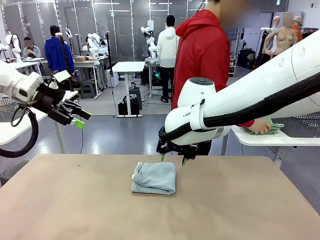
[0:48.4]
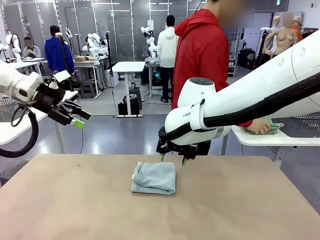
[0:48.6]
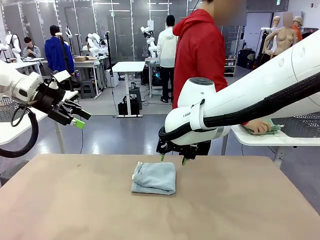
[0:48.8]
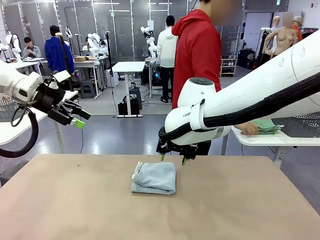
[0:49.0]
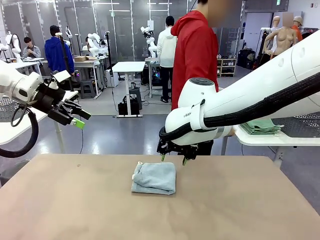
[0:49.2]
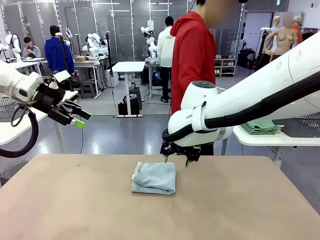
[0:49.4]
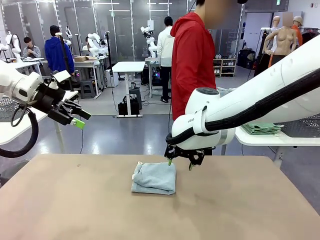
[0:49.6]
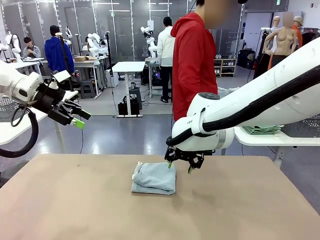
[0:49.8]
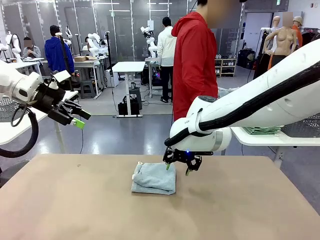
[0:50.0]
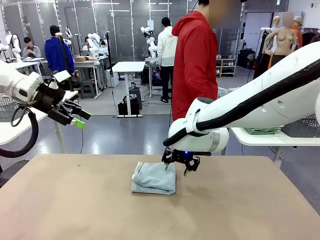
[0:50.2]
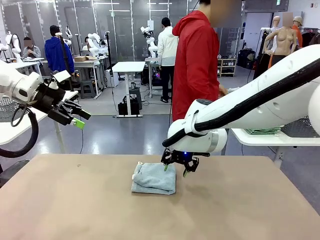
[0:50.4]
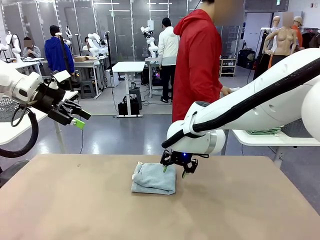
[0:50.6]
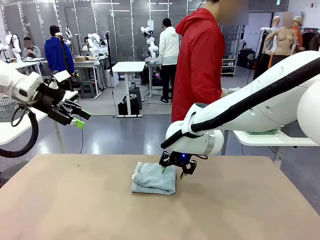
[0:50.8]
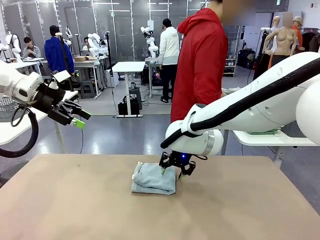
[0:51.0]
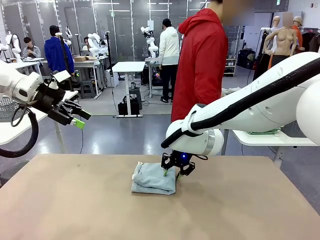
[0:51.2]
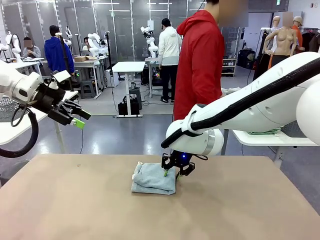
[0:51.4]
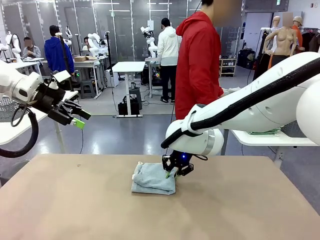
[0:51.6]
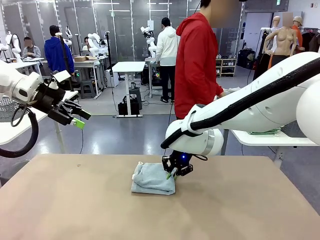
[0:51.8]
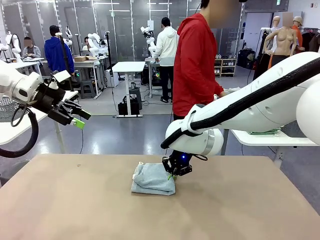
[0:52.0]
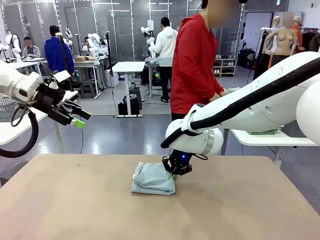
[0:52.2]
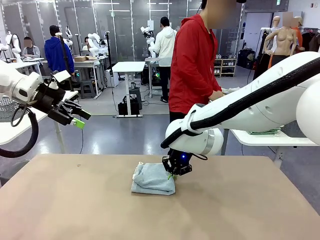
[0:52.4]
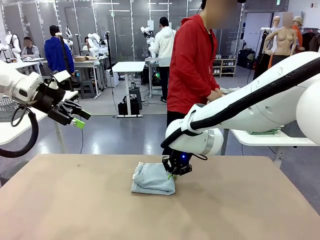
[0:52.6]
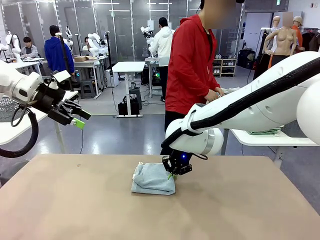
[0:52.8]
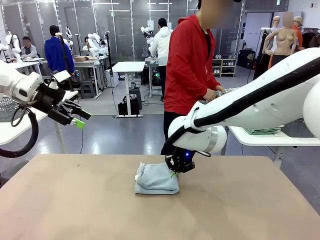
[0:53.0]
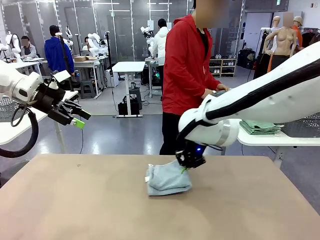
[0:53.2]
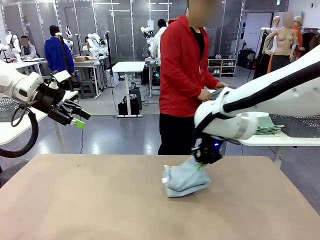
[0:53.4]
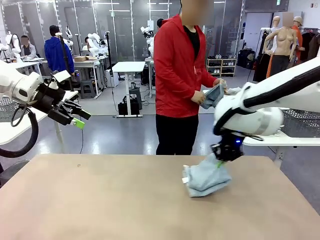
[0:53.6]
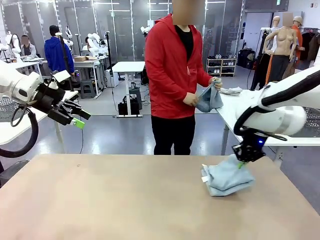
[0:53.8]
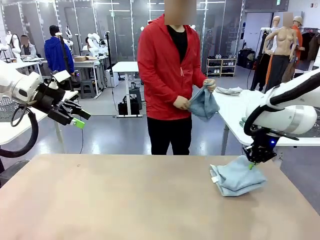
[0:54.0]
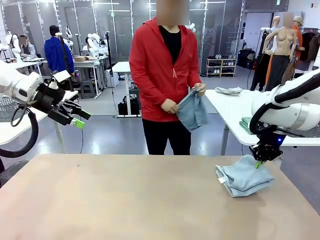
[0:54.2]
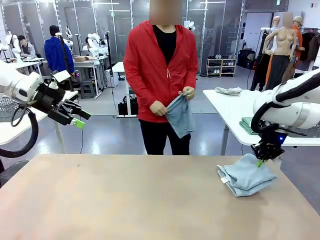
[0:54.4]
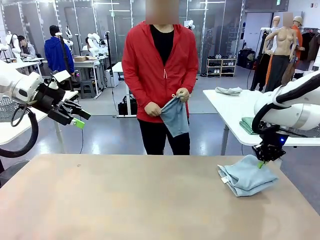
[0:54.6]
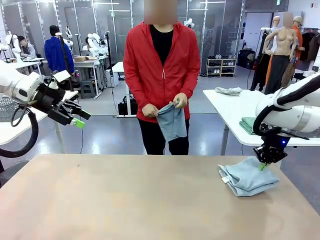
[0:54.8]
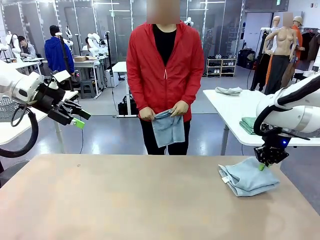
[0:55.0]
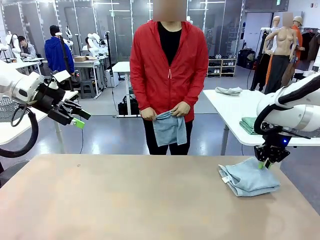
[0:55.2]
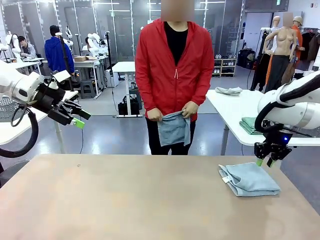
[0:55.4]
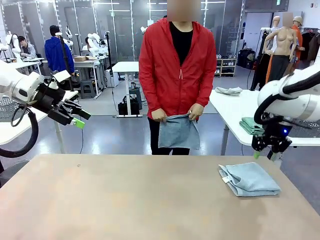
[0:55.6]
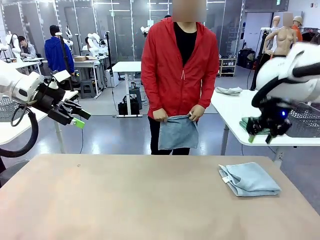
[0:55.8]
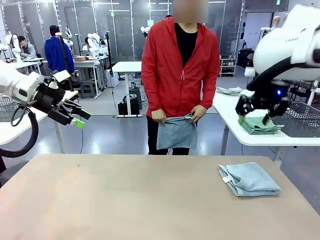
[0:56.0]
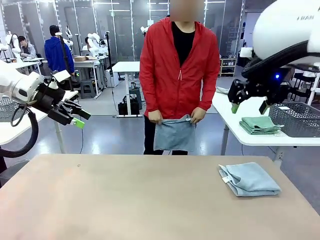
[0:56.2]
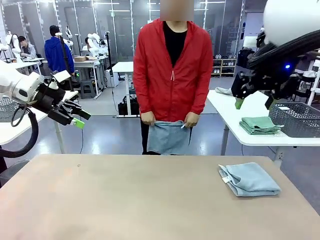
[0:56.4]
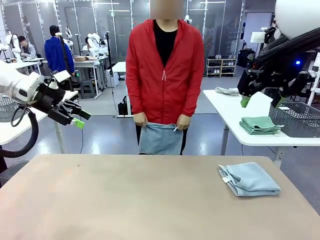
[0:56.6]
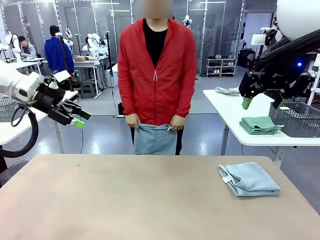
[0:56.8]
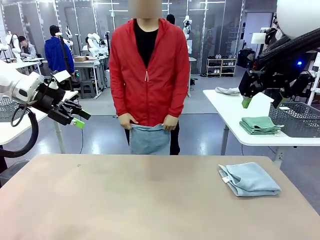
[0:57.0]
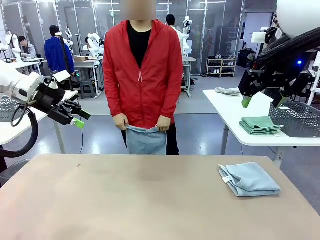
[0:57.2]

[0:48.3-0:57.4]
Task: Fold the towels and place them in the basket.
Robot: Place the folded Towel with hook on the right side of the table.
Person: Pick up one towel from the left side of the human table and spread it out at the center of the robot table.

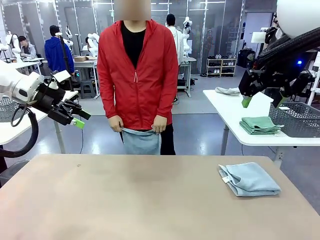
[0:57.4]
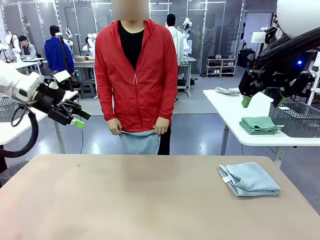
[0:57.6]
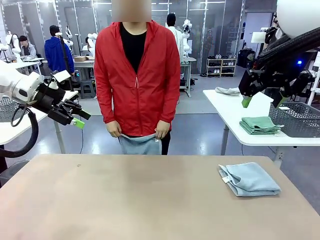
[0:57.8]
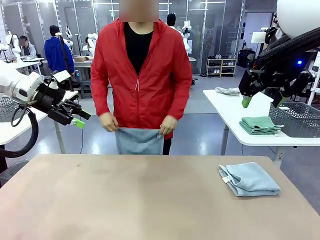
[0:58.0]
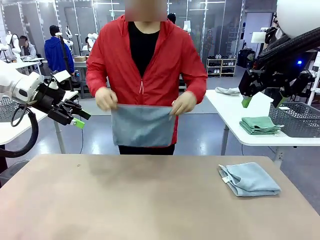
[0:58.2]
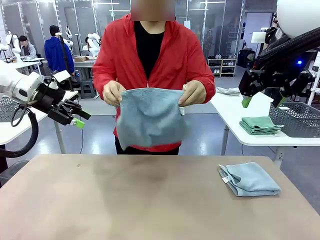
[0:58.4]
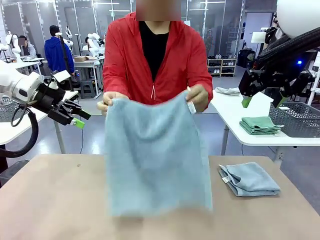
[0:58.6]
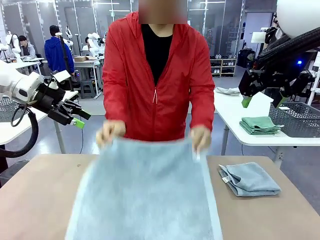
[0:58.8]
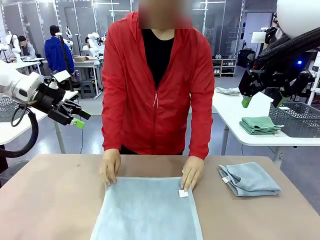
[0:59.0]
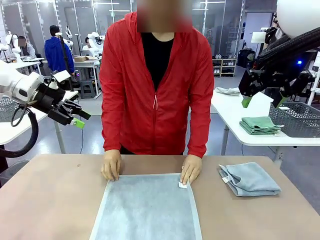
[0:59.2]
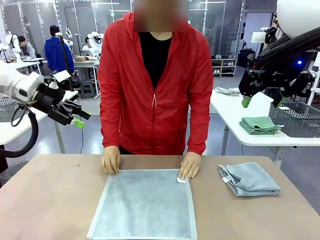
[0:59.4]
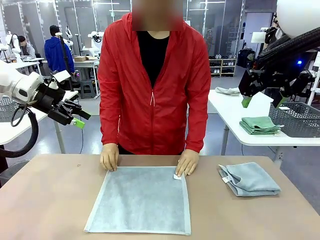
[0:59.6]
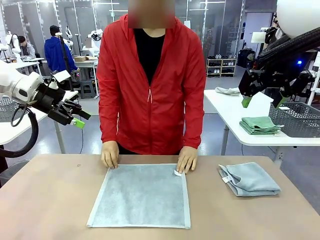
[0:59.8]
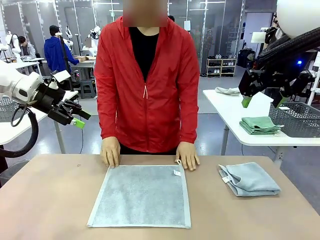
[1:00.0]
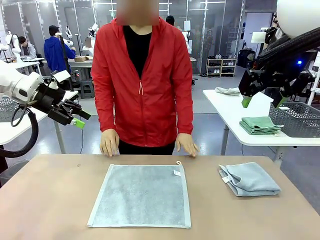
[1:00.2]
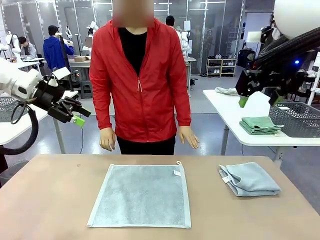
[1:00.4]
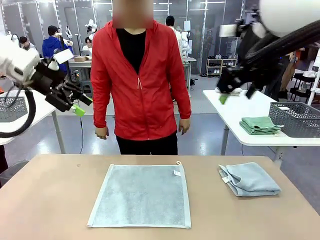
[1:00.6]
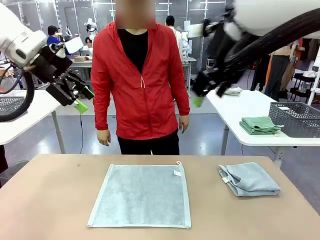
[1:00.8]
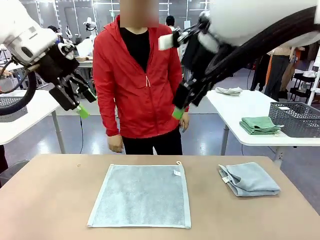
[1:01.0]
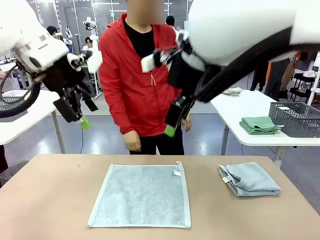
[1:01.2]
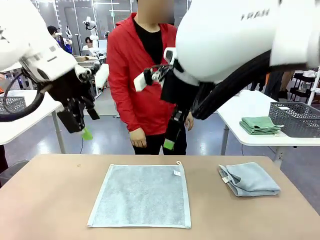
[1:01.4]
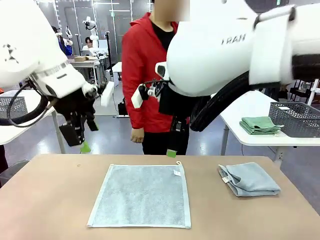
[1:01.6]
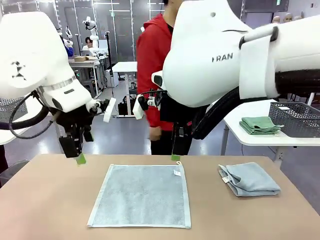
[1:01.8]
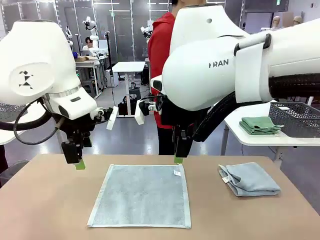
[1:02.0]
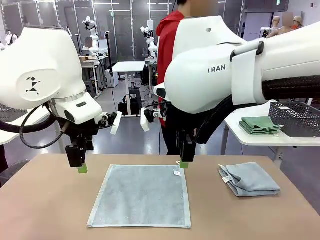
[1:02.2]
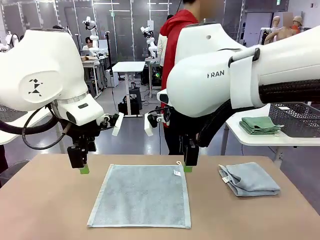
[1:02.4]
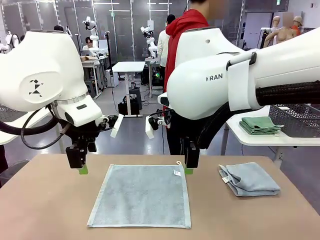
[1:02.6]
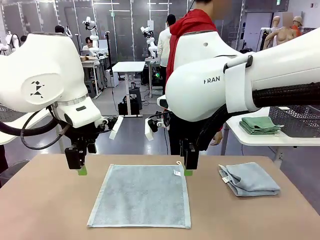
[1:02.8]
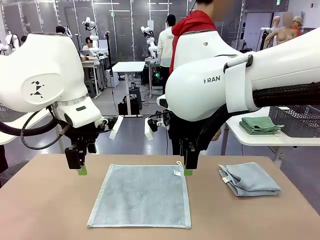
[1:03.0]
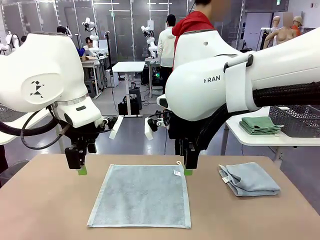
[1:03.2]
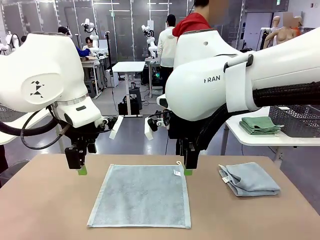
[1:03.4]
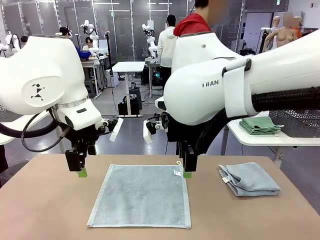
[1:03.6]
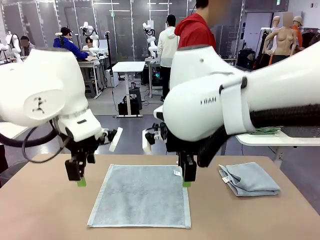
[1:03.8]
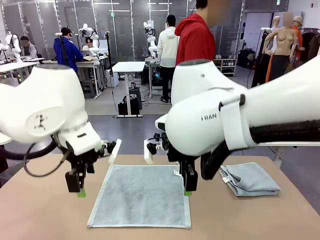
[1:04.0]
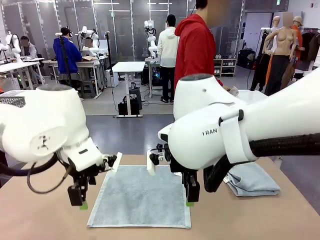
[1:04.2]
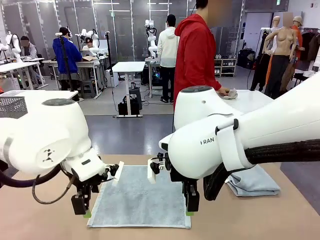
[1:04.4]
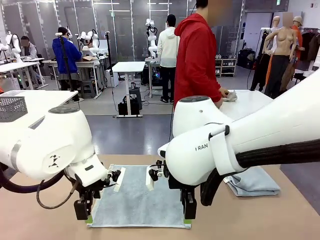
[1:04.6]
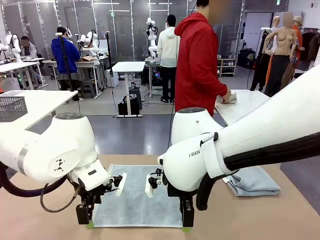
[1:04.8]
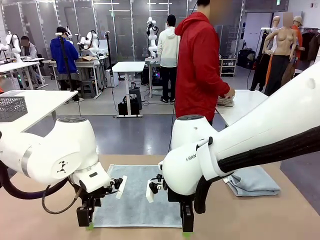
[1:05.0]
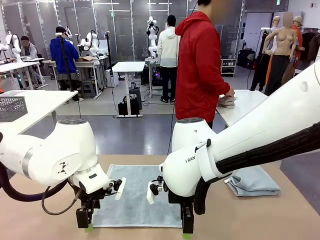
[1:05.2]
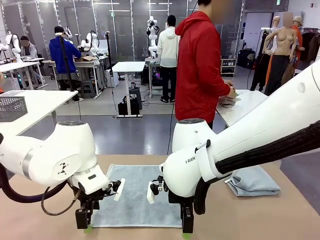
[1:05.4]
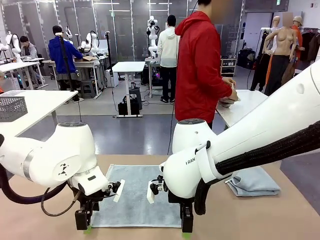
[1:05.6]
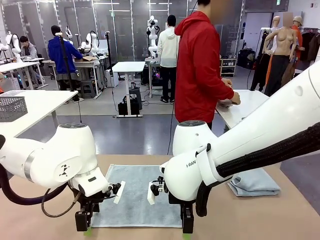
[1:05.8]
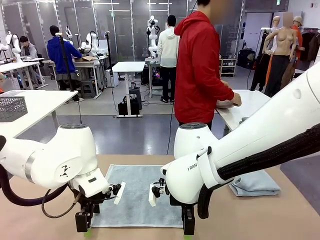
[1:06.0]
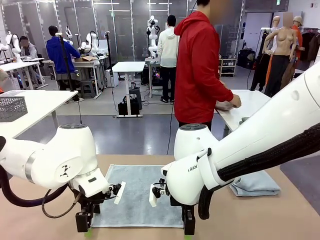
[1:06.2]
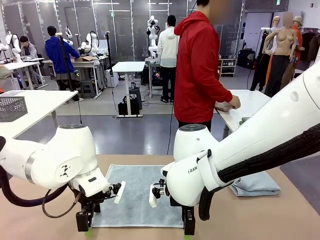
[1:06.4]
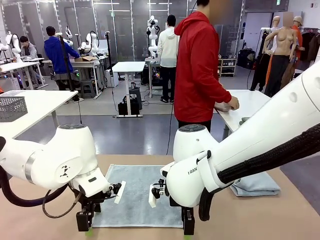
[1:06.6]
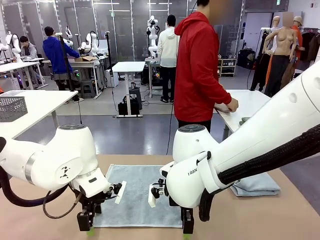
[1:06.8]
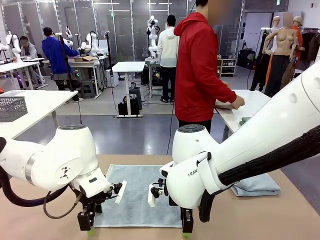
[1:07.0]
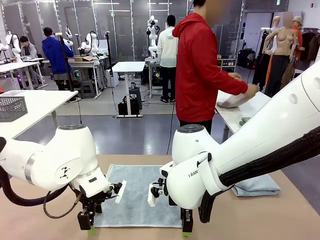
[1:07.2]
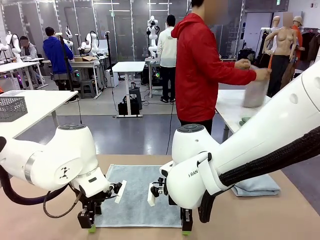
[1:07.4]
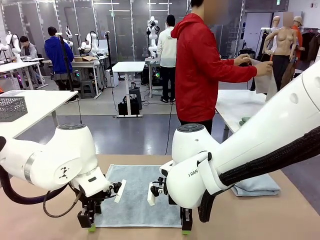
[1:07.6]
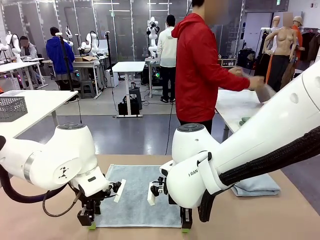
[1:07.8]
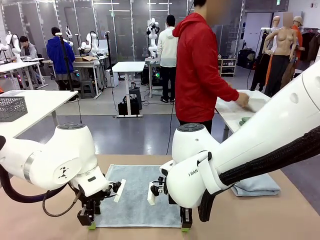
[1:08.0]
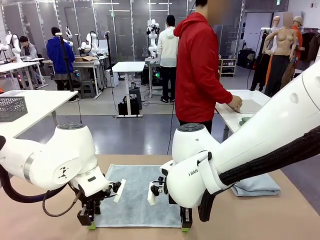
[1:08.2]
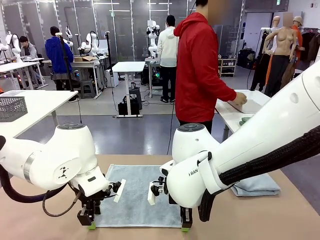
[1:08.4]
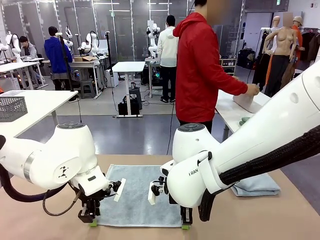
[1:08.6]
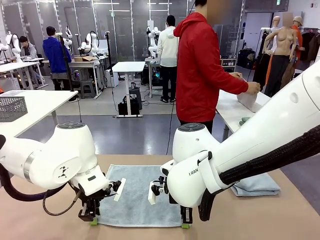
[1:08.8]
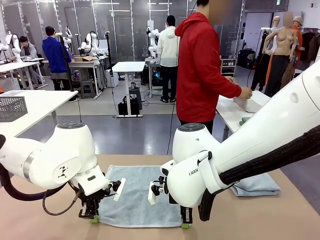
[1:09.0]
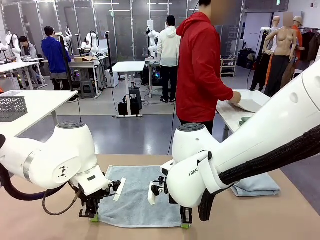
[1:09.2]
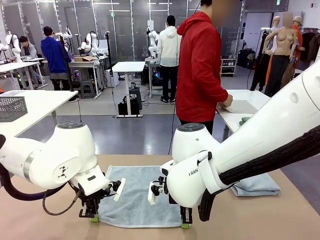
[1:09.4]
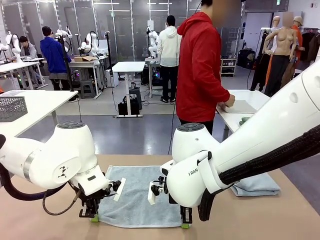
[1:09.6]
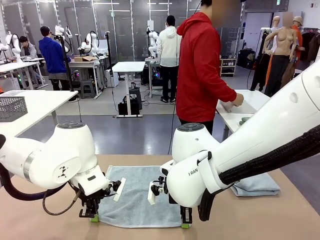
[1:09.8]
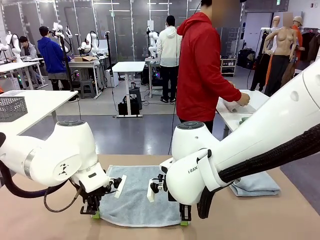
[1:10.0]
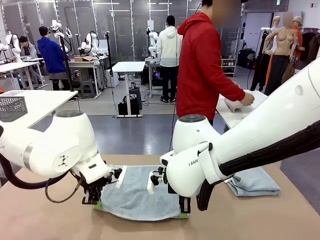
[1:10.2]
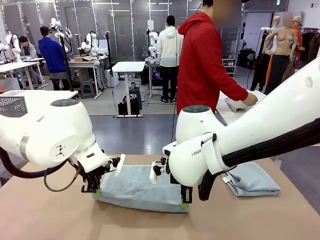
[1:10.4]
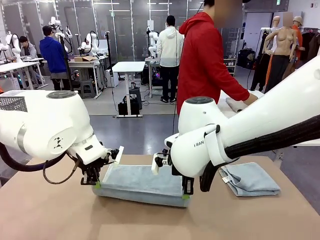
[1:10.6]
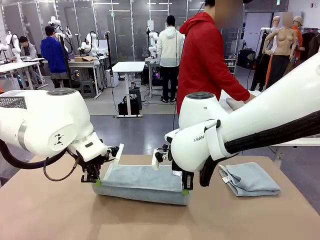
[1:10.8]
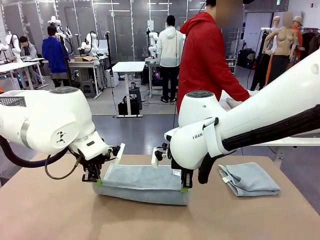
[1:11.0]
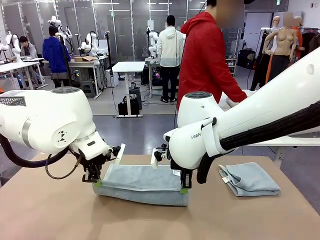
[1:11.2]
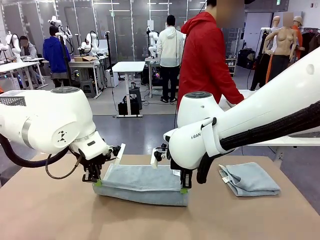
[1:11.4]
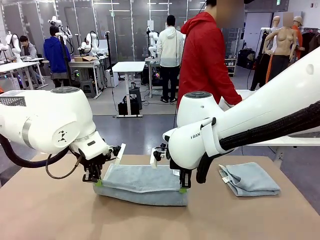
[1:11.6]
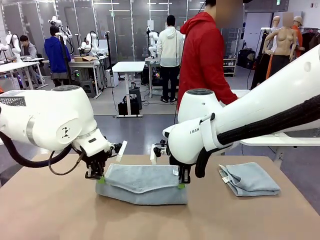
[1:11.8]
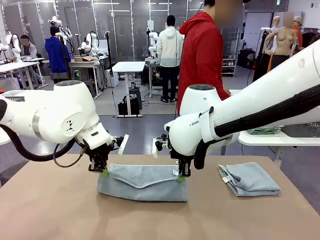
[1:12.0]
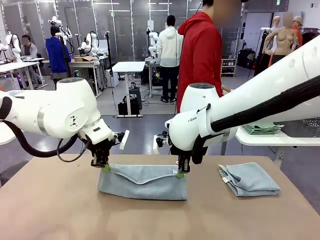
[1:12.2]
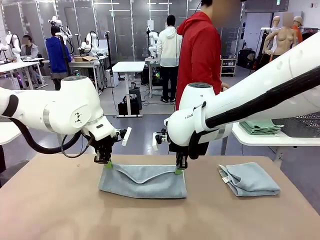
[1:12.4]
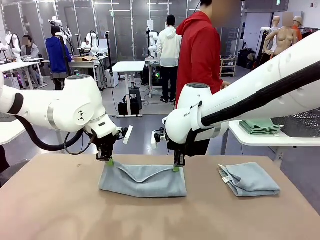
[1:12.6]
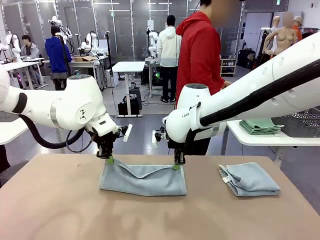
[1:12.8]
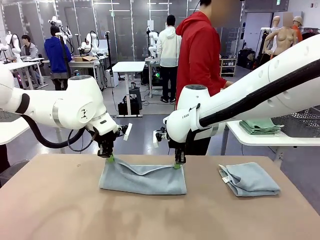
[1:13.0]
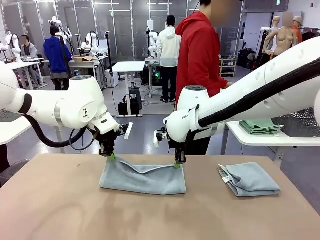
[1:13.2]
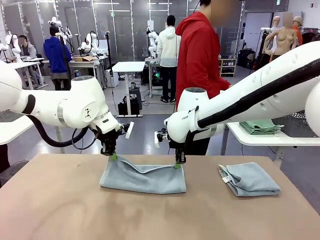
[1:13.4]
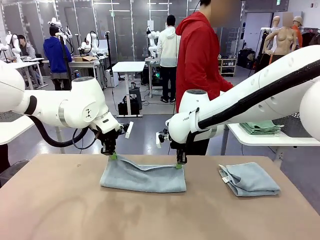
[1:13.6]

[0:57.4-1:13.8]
Robot: When a person lays out a Towel with hook on the table, fold it in half twice.
Person: Pick up one towel from the left side of the human table, fold it in half twice, and stack it on the right side of the table.
